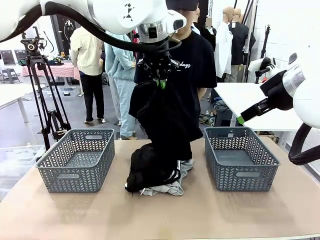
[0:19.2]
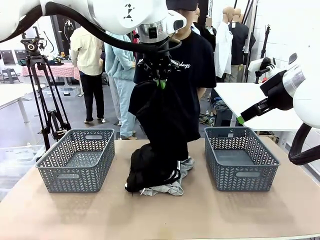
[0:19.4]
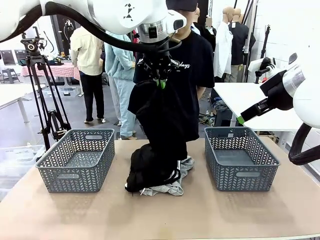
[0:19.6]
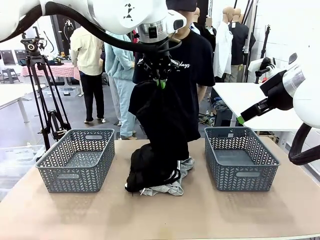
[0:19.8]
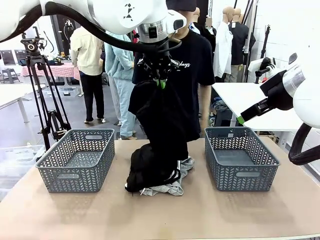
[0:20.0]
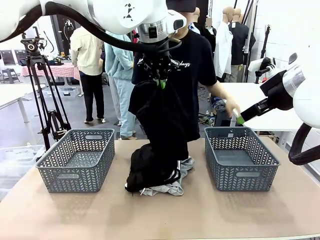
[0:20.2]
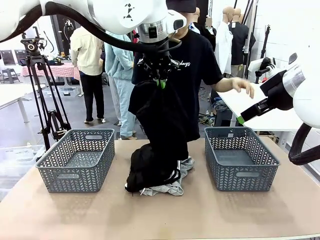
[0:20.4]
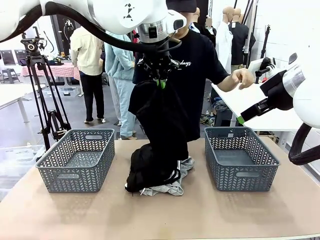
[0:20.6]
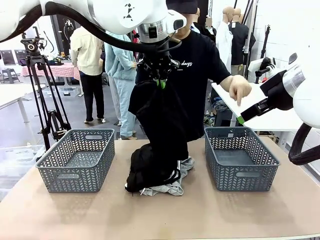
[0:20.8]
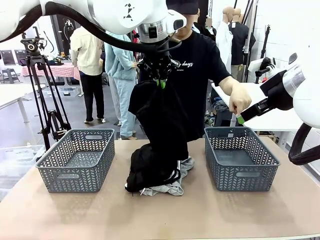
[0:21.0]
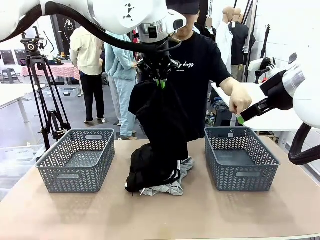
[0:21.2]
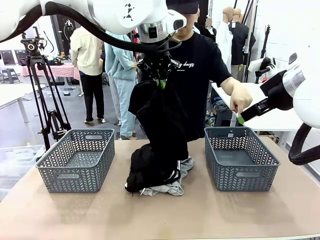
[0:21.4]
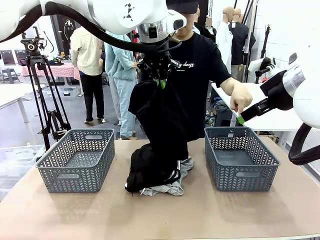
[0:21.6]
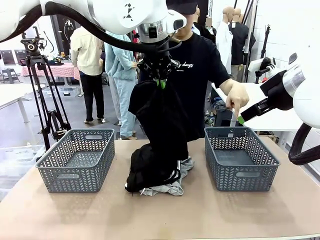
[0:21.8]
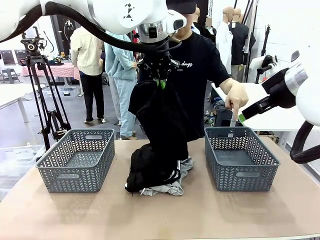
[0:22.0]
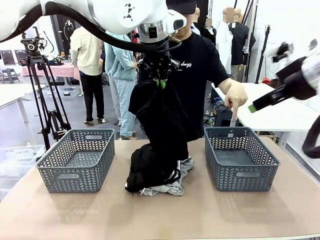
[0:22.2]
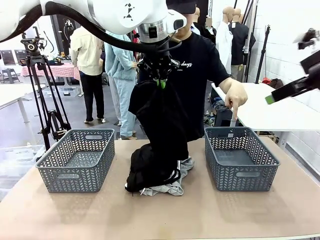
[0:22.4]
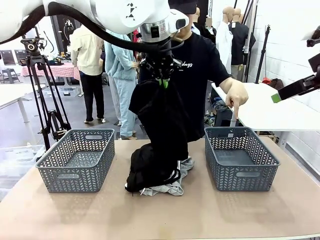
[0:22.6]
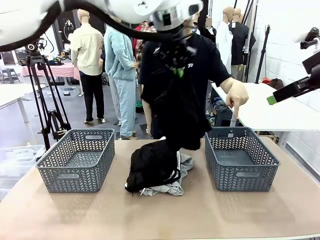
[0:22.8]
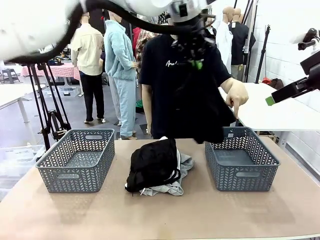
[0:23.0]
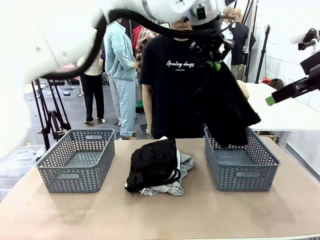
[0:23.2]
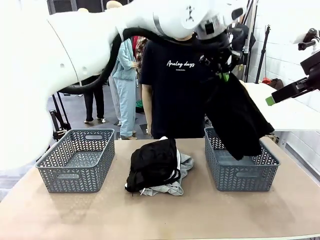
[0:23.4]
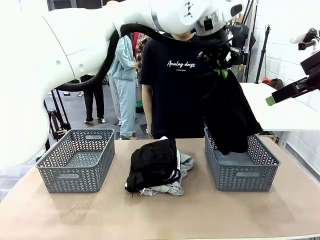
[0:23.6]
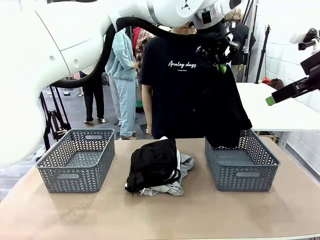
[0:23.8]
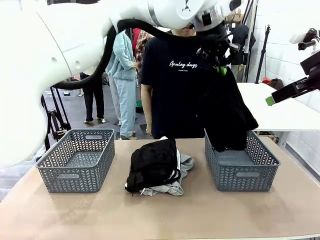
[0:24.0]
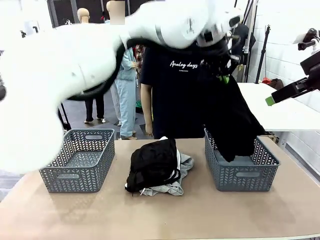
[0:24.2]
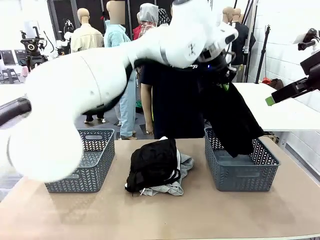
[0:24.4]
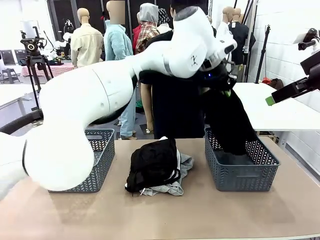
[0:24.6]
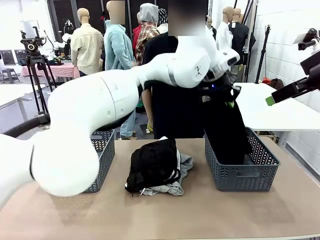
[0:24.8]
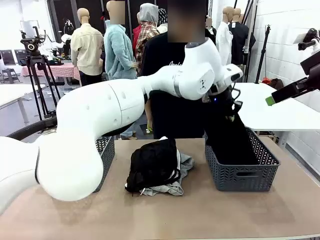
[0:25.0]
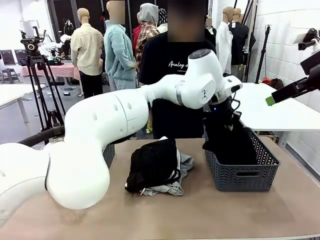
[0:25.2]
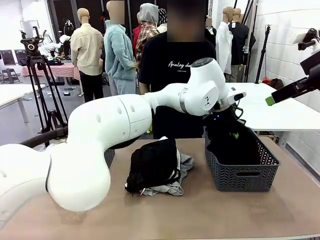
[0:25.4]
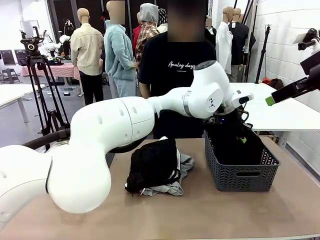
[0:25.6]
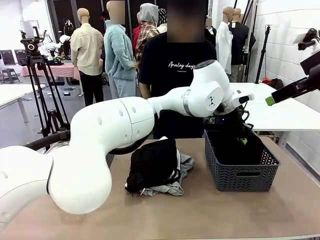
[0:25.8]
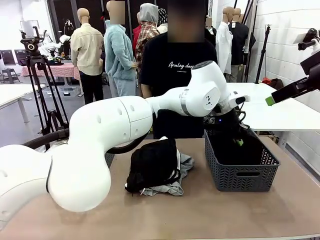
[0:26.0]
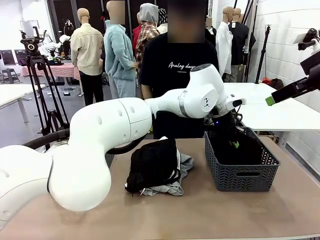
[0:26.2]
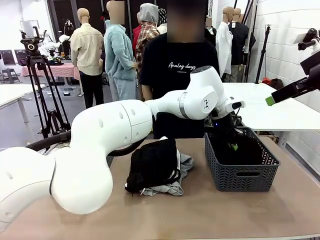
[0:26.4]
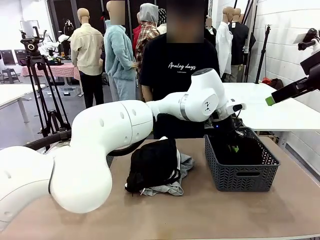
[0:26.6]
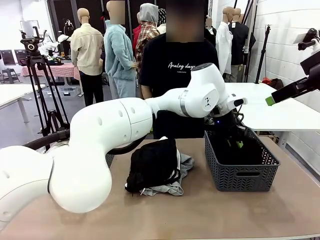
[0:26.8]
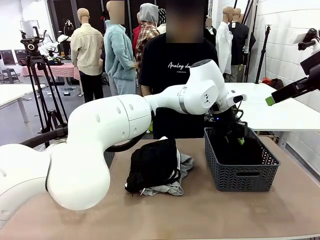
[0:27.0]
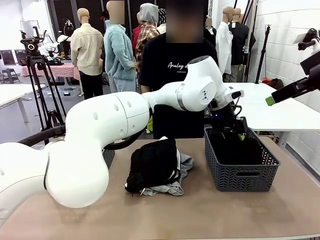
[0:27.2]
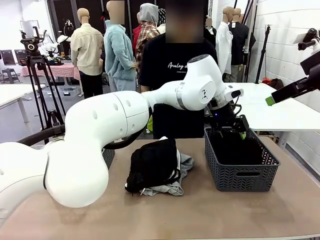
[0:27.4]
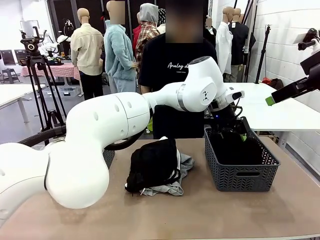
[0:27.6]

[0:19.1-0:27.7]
Task: Sort the tops and bottoms.
Robot: Sort the clothes according to human instructions.

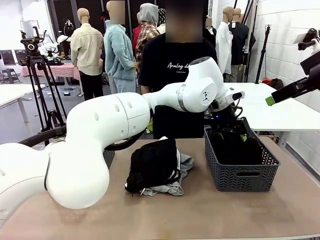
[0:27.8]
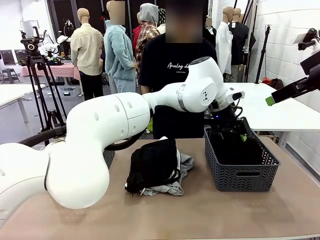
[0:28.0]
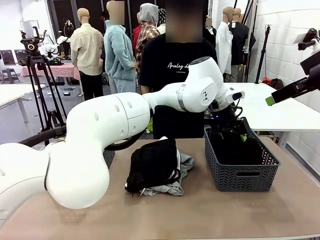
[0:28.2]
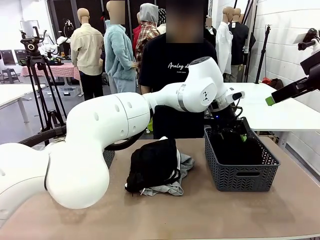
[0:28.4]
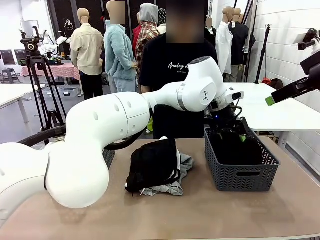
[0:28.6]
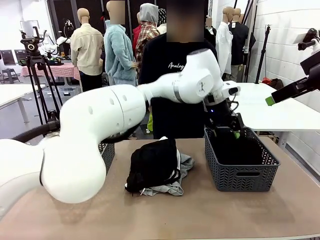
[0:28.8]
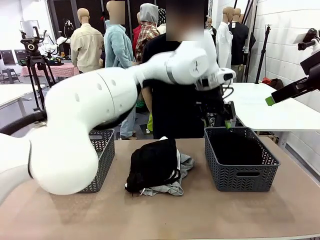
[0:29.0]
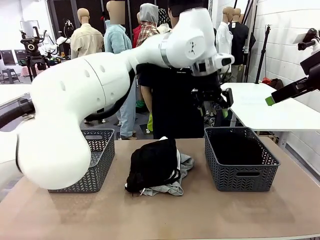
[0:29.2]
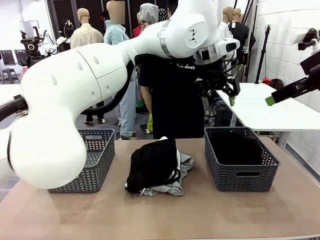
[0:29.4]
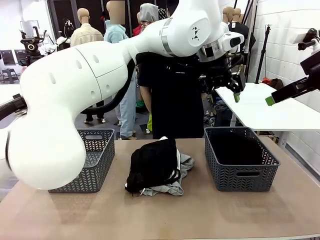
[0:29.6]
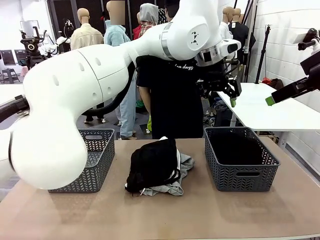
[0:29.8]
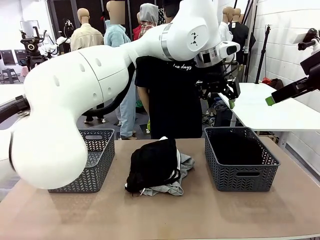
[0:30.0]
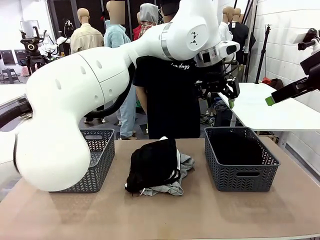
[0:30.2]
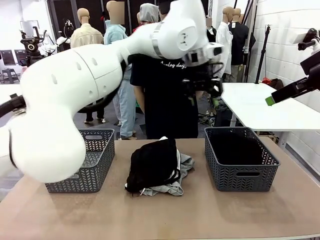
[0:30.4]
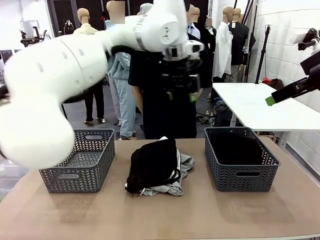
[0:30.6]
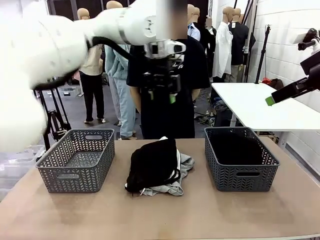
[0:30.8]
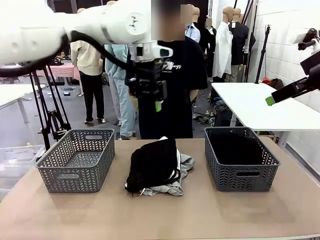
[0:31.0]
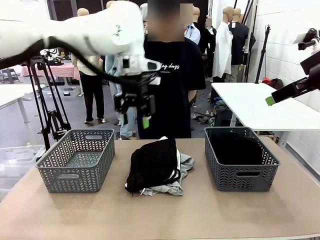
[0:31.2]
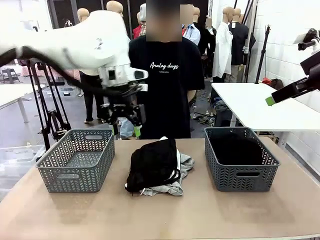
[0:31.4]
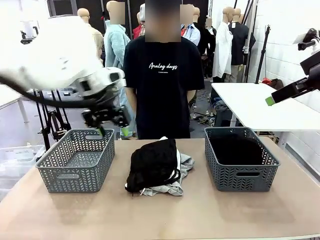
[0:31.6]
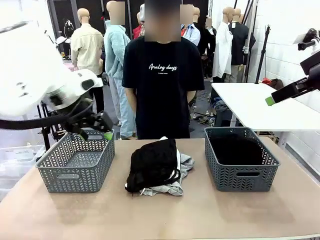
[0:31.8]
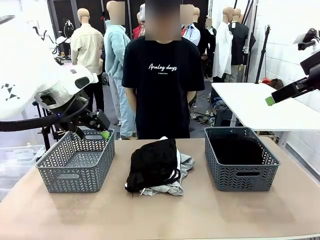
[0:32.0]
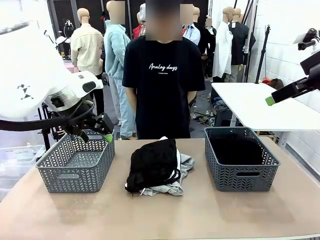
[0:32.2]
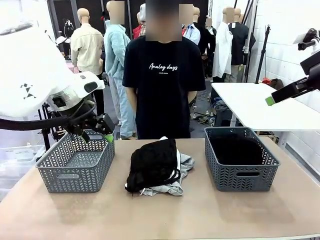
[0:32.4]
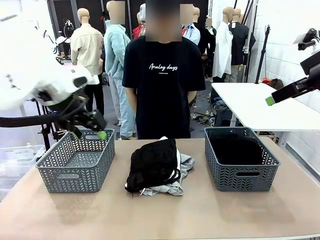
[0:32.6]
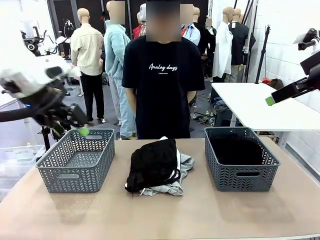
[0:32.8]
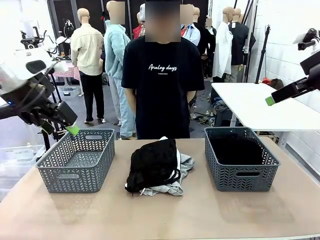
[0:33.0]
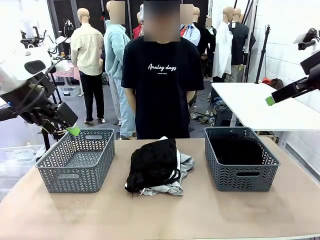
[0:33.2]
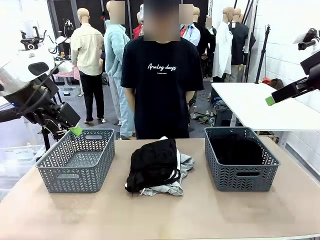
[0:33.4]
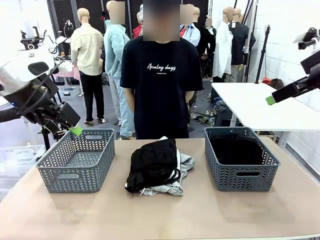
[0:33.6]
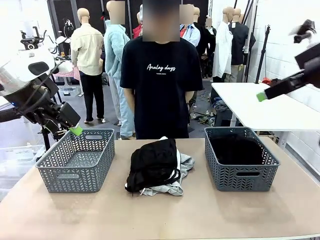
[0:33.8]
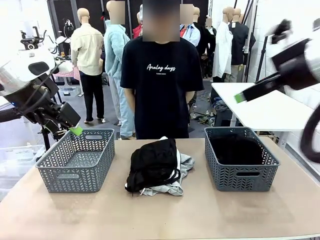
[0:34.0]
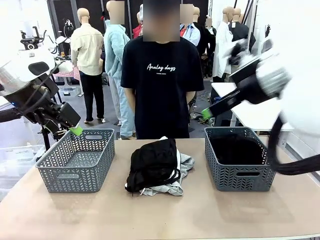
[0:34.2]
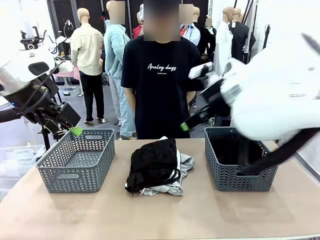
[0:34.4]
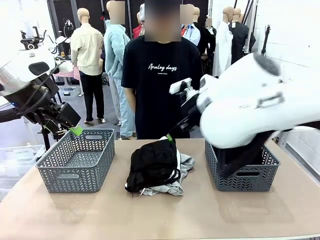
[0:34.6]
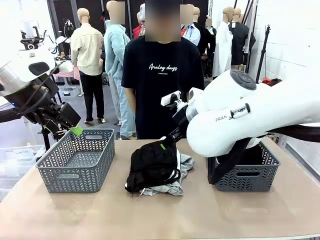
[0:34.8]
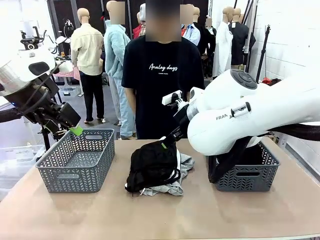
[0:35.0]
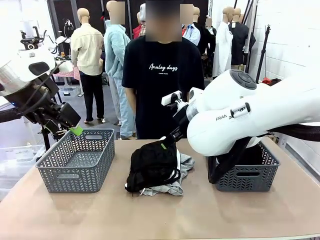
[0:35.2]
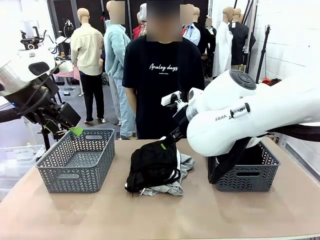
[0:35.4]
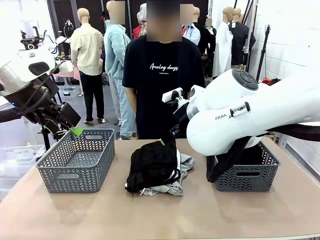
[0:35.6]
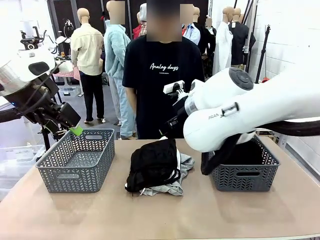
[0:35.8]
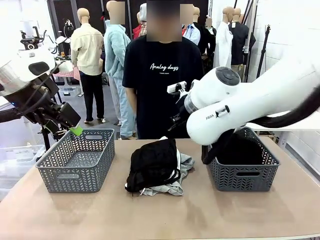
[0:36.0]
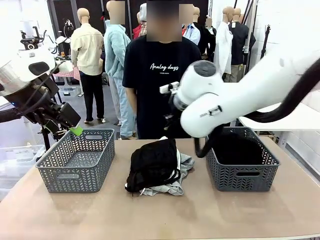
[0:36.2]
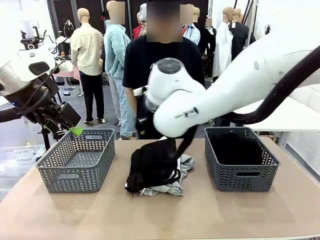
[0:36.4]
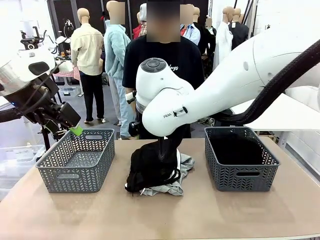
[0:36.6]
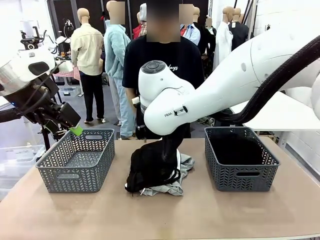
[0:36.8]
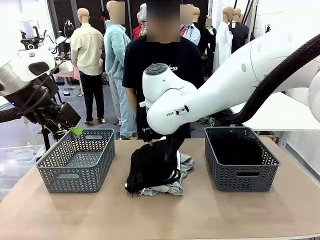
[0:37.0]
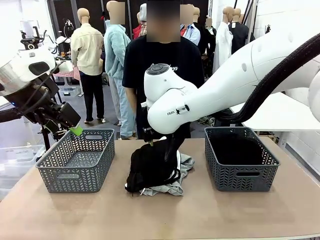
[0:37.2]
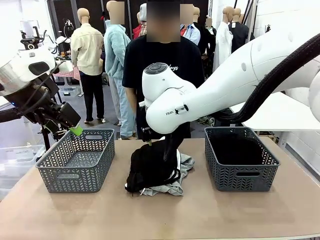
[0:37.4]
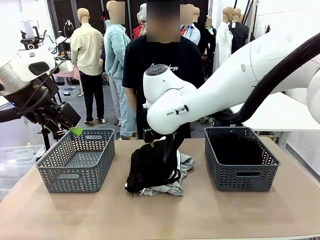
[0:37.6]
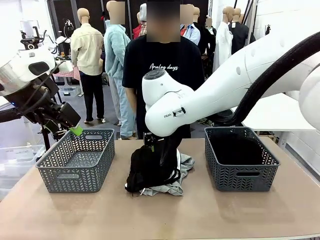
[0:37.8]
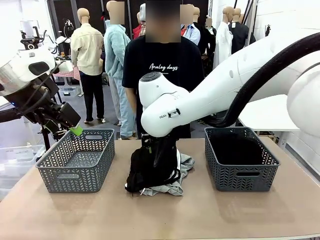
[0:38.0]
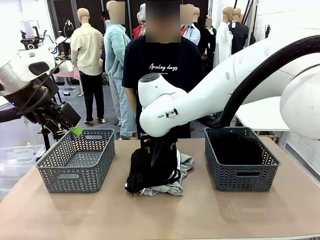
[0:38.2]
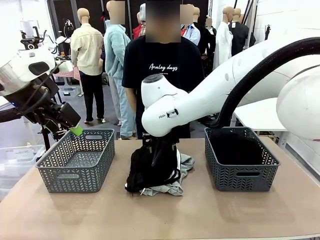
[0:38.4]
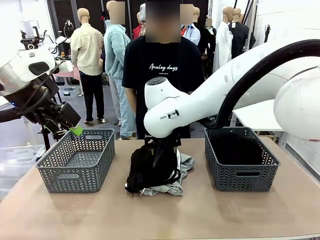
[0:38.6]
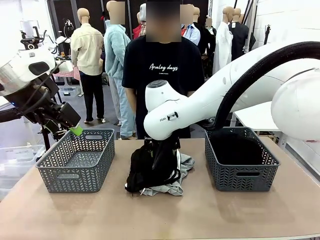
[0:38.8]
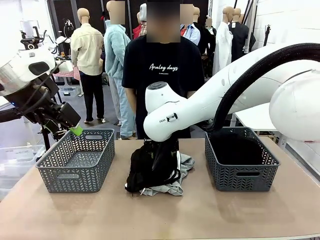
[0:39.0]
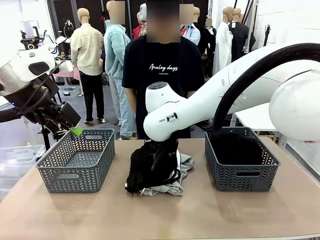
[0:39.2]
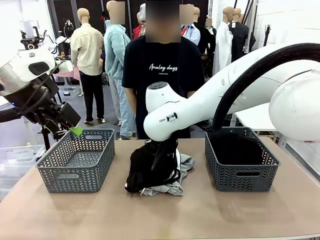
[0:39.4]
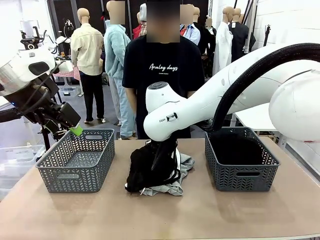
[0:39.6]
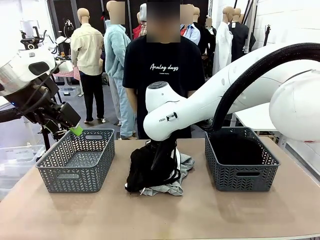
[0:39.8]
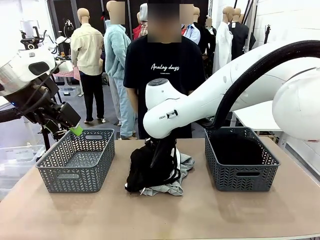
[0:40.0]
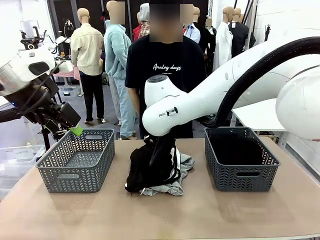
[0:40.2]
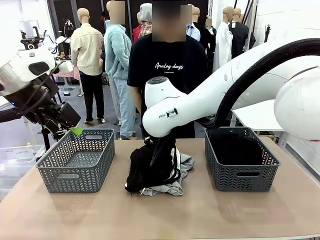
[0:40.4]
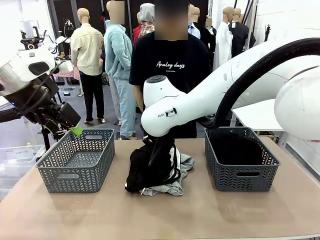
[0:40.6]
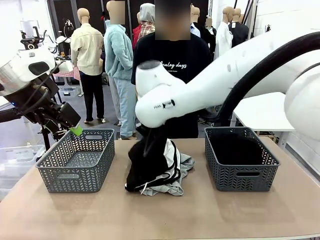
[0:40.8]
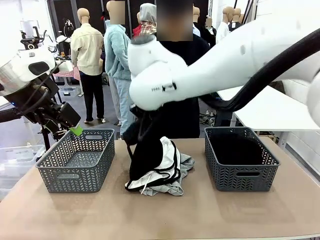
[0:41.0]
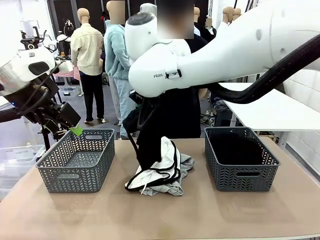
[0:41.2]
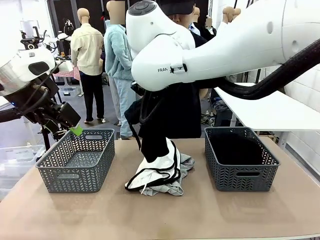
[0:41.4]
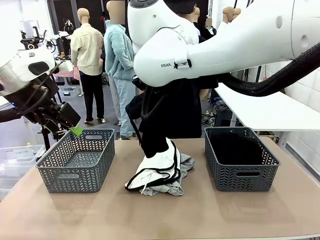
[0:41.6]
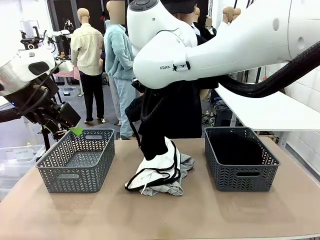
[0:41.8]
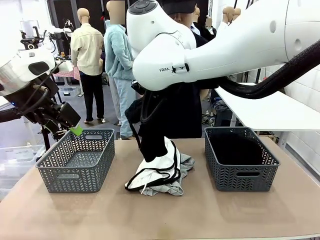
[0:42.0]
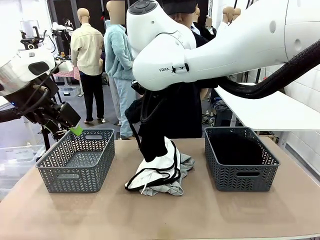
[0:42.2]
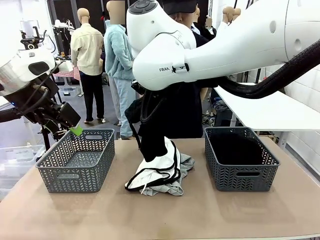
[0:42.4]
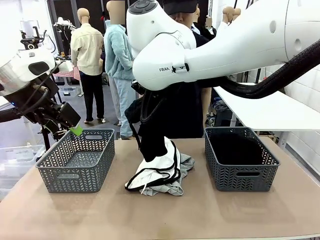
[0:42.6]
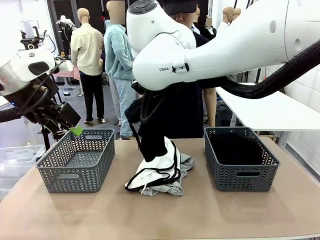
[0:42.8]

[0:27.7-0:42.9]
Robot: Lift clothes from the center of the table with your right hand.
